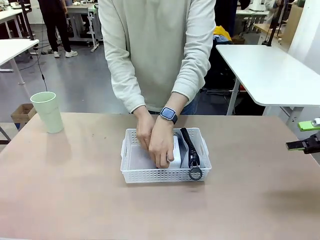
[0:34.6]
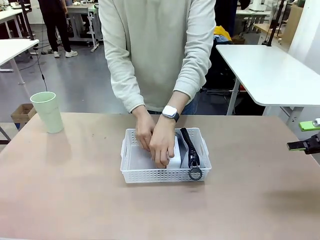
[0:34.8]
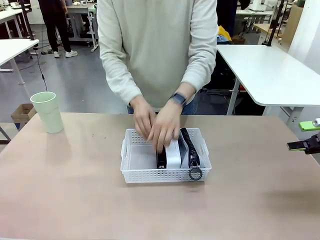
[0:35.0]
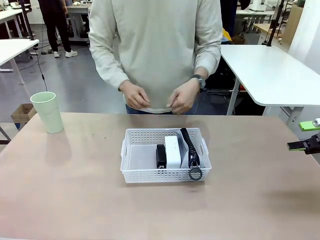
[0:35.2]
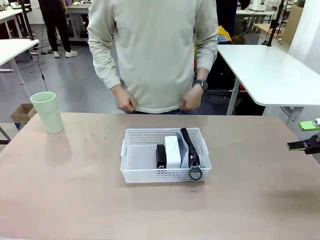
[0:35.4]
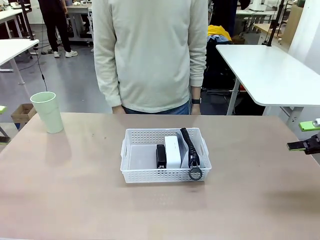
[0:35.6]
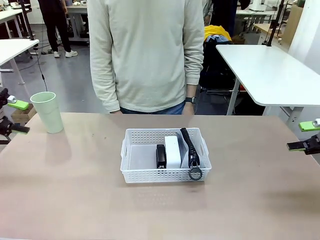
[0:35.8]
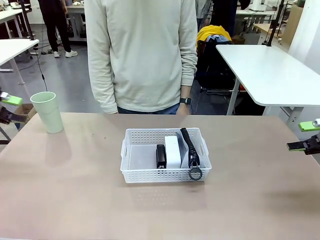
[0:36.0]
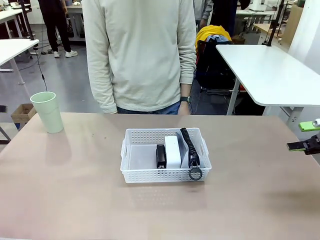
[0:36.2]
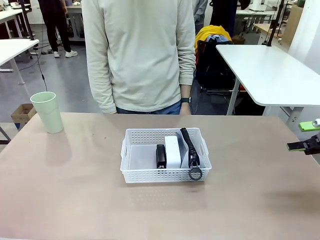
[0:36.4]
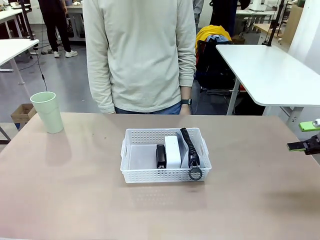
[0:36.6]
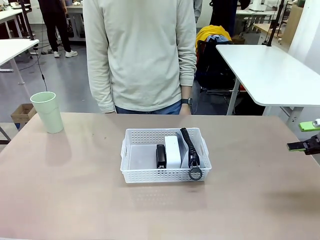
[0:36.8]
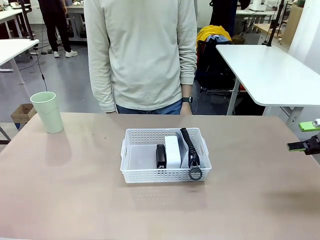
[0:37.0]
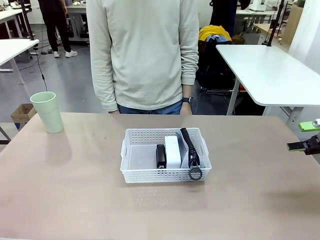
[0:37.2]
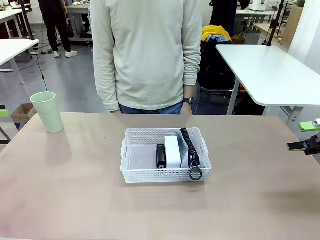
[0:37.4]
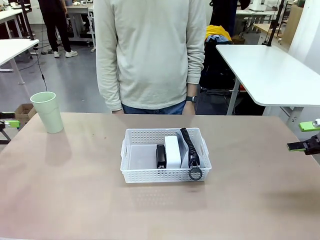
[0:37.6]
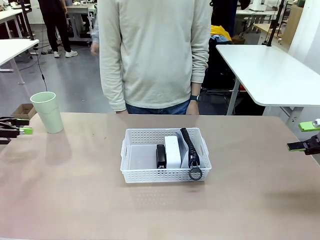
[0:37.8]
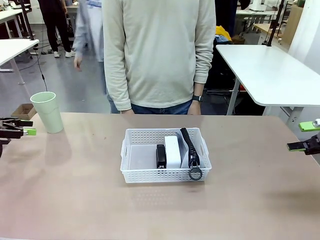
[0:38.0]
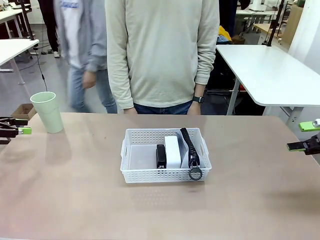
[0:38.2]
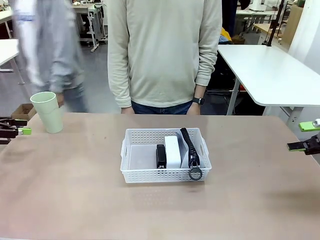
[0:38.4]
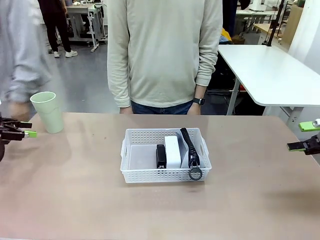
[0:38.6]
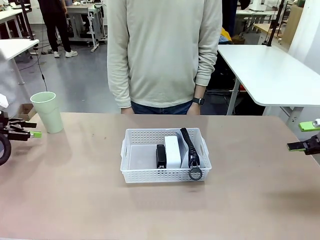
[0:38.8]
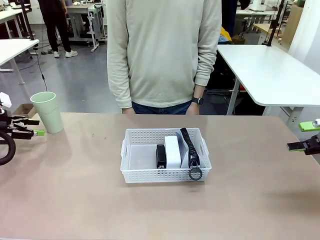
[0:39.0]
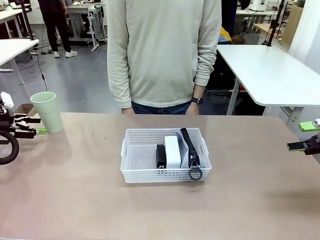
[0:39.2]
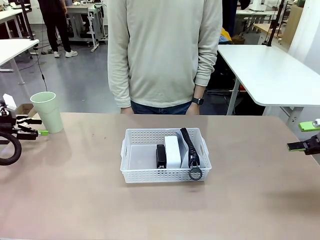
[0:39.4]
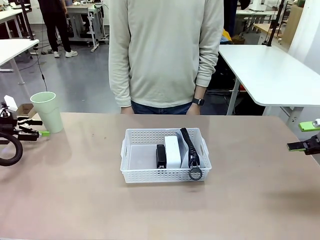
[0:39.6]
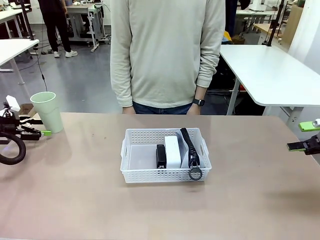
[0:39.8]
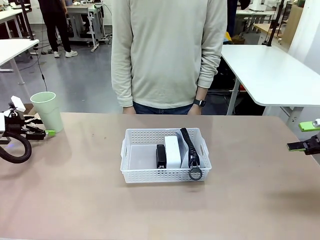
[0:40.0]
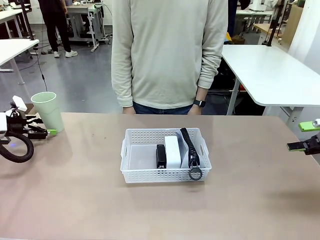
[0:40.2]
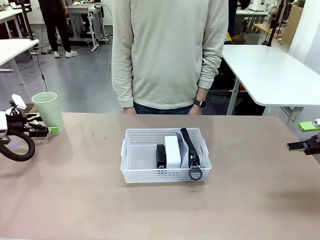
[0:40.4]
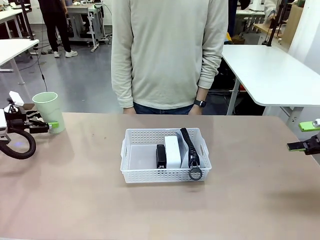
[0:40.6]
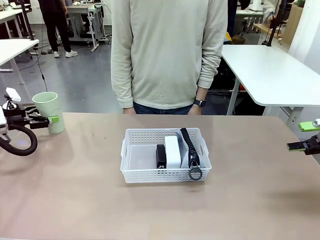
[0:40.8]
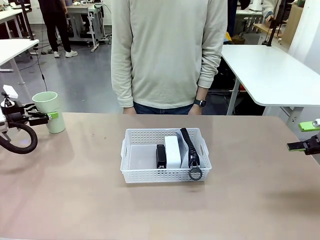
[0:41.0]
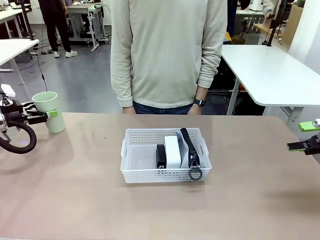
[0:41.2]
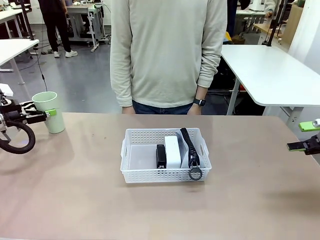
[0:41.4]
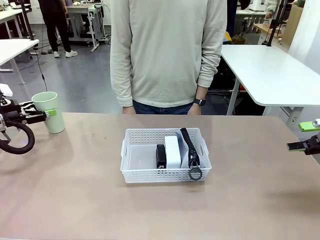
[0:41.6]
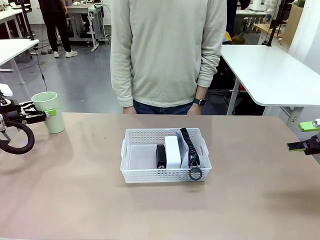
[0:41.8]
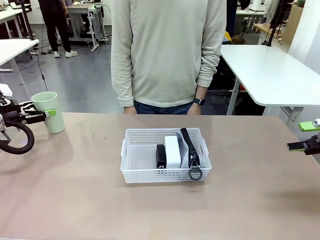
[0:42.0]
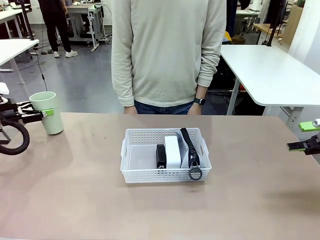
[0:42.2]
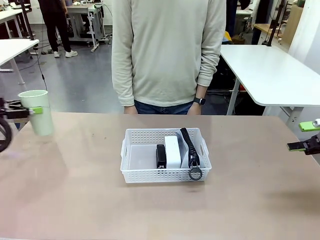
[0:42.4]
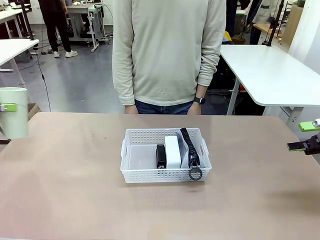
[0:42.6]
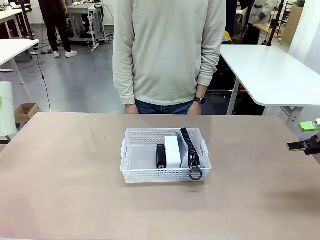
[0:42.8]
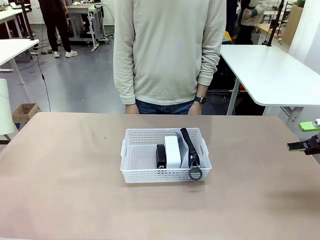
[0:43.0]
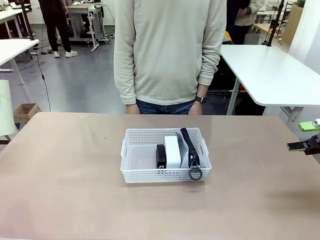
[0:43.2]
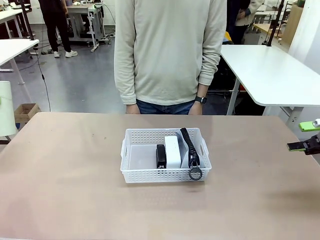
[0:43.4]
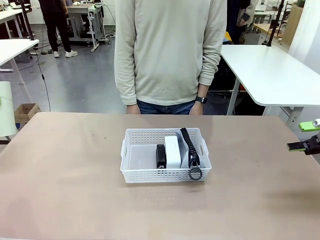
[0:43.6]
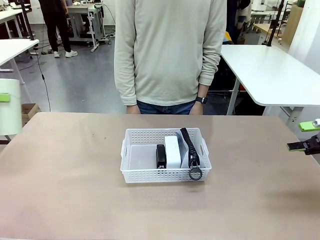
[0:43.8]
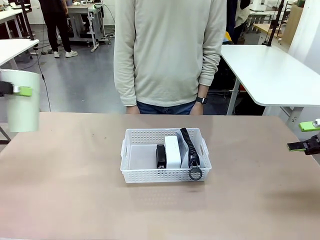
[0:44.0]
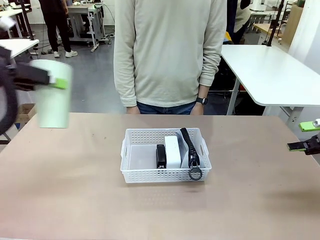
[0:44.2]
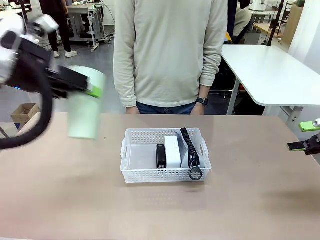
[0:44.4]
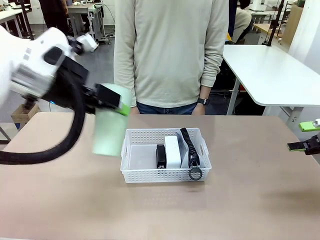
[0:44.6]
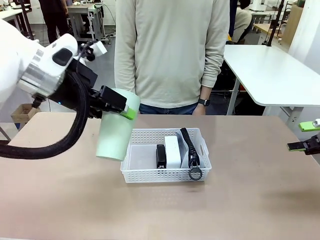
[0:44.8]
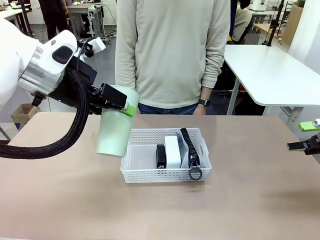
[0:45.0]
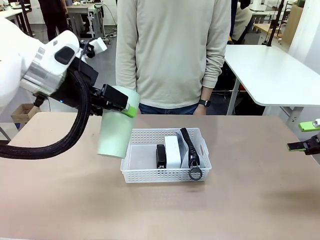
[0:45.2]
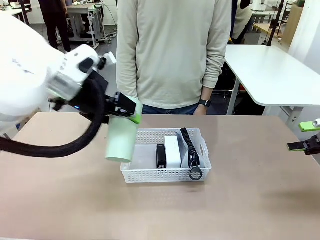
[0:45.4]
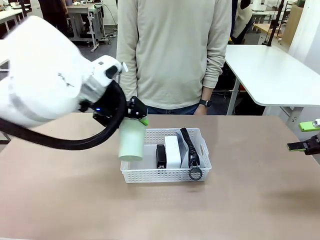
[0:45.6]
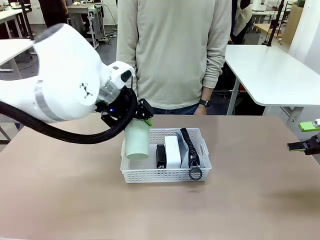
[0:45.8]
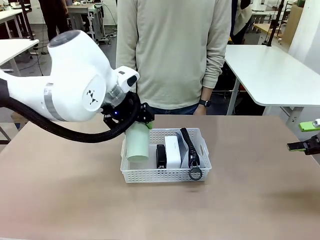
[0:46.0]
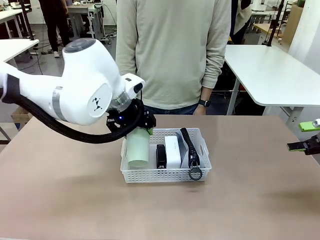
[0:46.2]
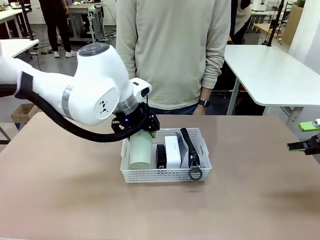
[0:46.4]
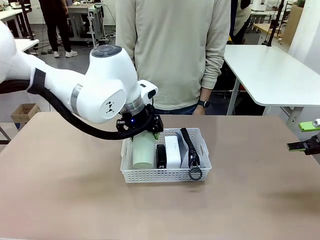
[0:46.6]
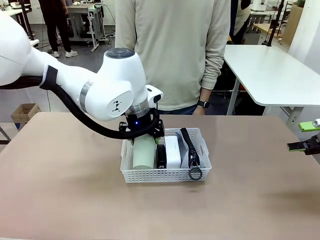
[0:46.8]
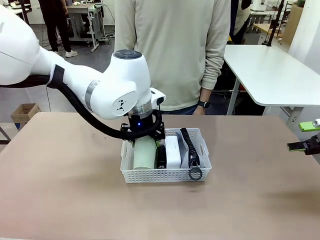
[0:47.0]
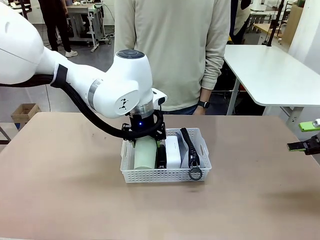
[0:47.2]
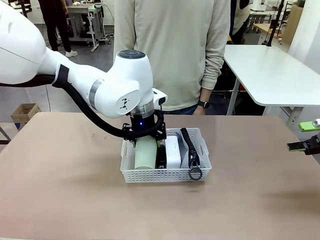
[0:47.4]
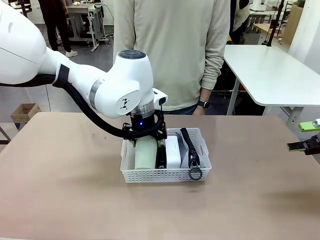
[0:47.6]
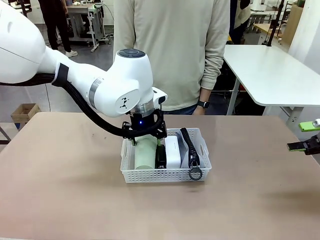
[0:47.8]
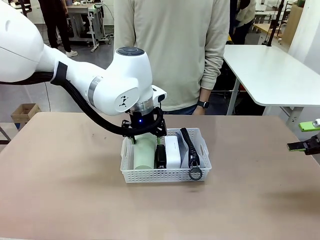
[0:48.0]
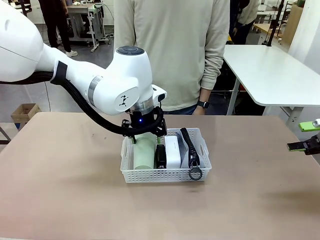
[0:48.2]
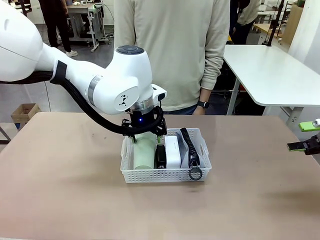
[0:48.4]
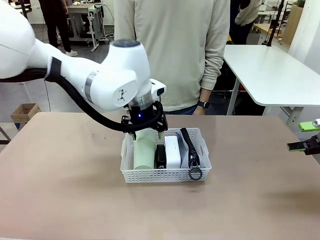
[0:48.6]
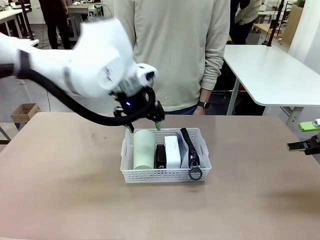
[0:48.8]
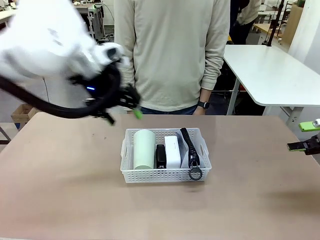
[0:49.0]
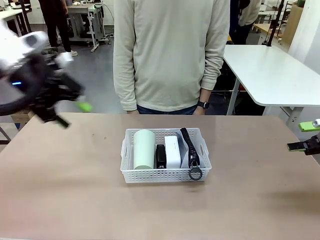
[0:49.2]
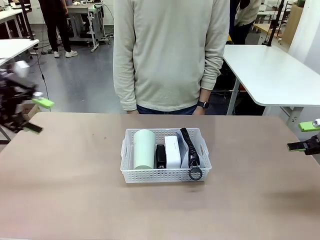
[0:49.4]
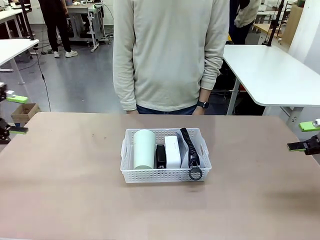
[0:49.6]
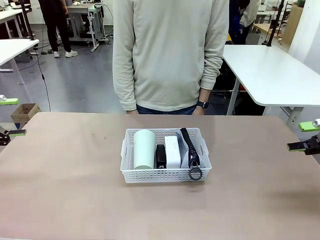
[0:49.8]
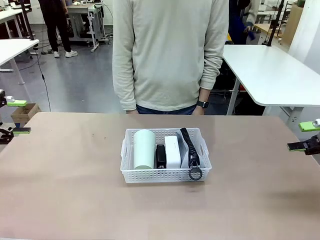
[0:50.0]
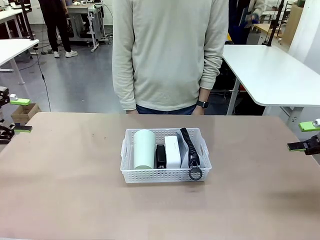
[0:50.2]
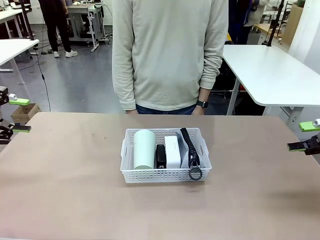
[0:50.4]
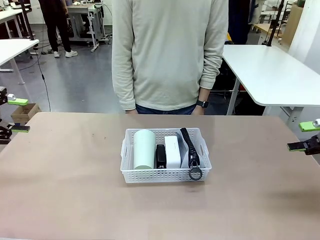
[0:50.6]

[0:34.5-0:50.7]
Task: Efficiently arrange items inside the basket to fit them all.
Robot: Pick up the Reusable plastic cup and place it inside the Organizing basket.
Person: Repositions the stapler.
